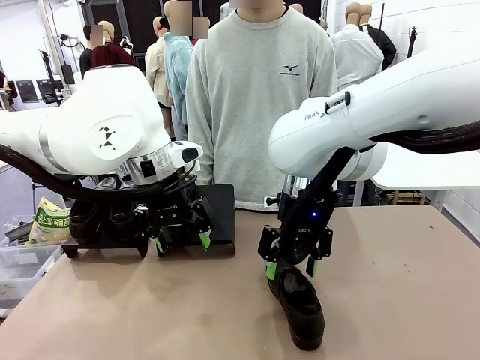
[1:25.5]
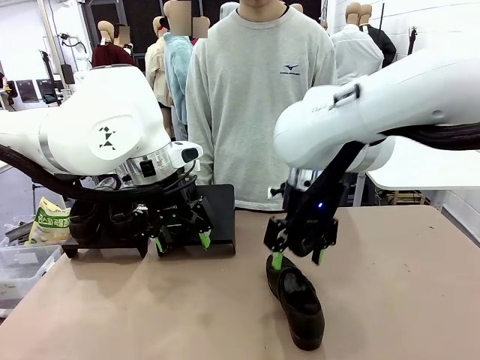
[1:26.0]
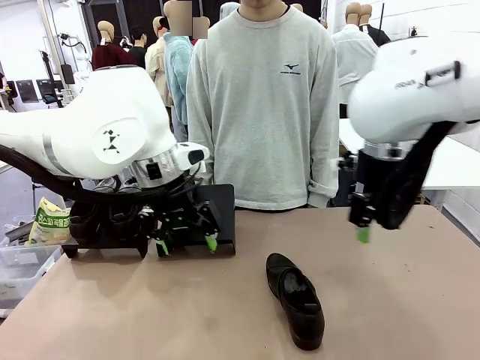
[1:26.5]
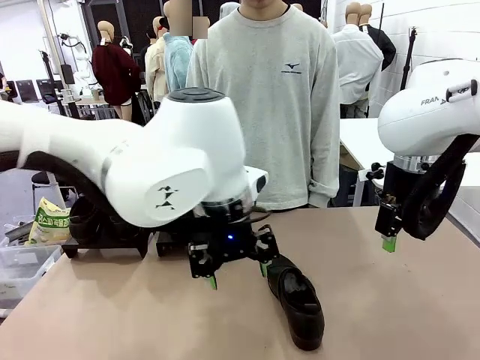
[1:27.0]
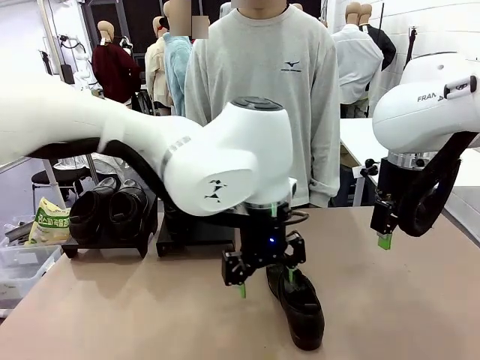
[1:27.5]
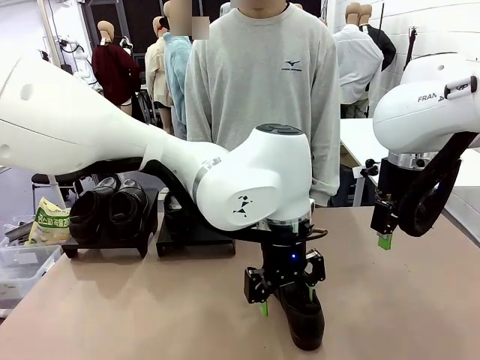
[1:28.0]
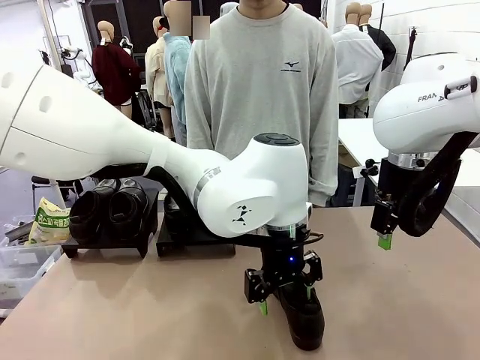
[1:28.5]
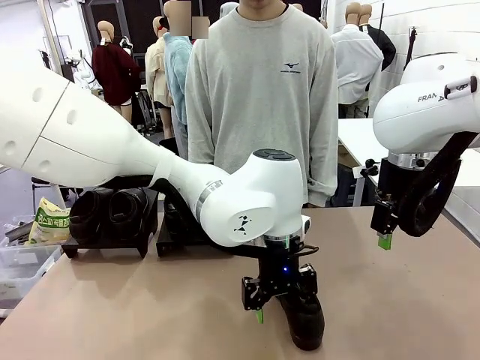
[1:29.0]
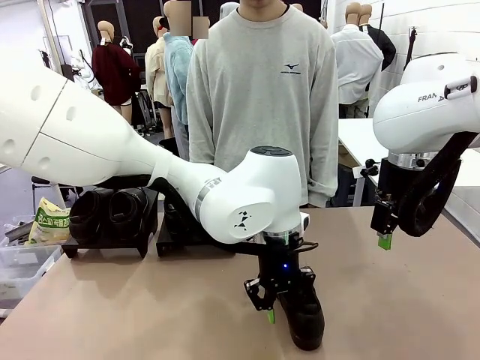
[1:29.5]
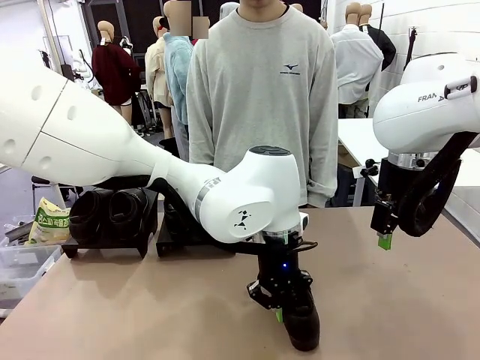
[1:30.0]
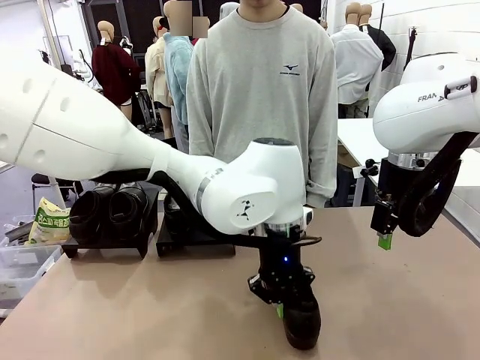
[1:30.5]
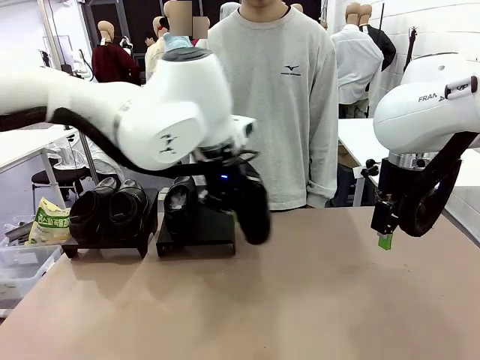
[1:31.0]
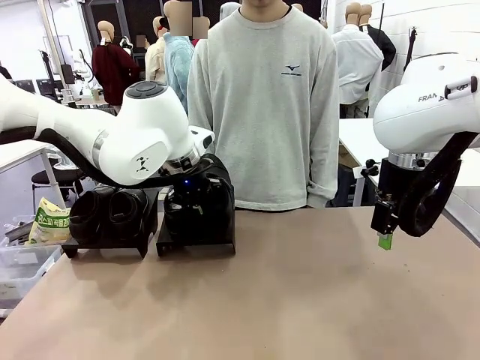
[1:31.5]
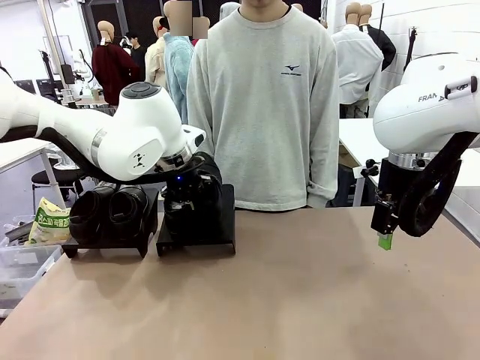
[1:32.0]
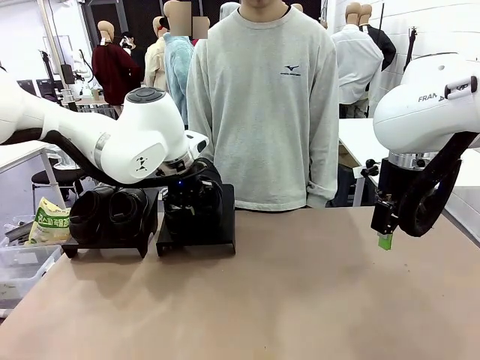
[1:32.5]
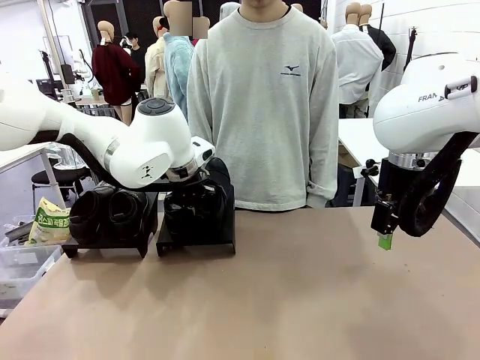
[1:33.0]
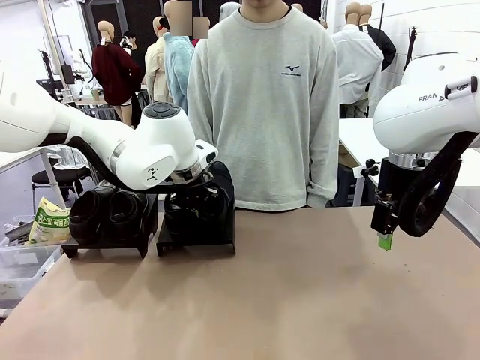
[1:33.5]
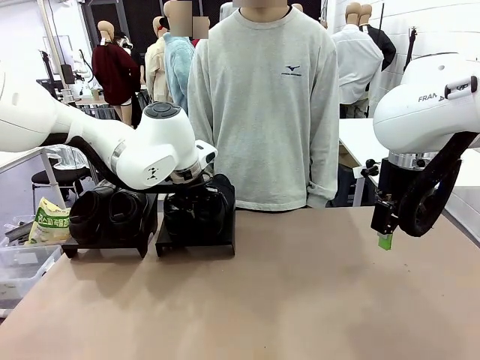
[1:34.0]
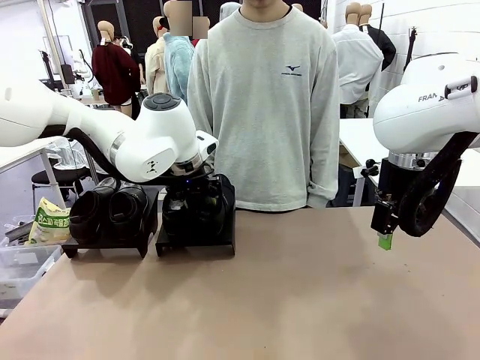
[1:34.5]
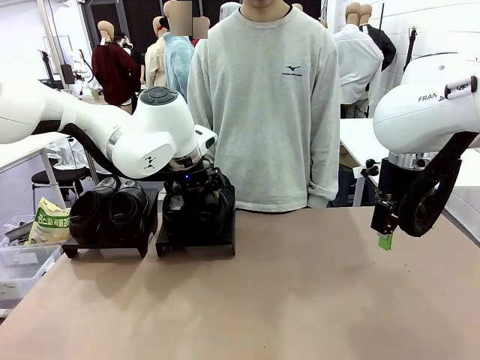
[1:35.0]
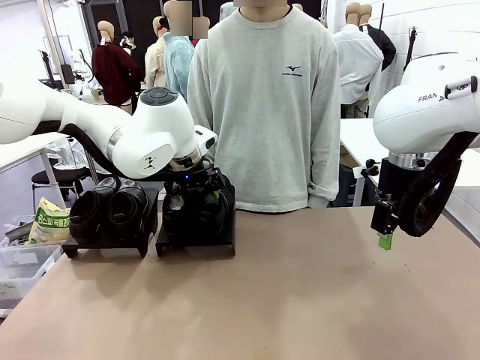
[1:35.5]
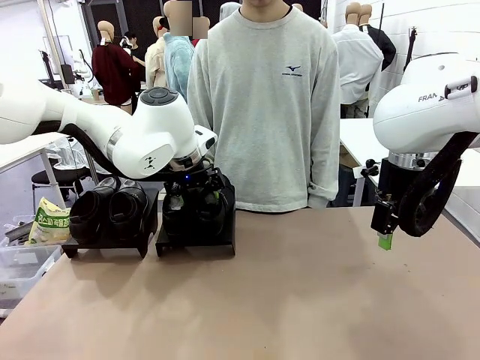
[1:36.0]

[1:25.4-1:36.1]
Task: Organize the shoes by placing them on the stand.
Robot: Place the Shoe from the middle of the table onto the Shoes Stand.

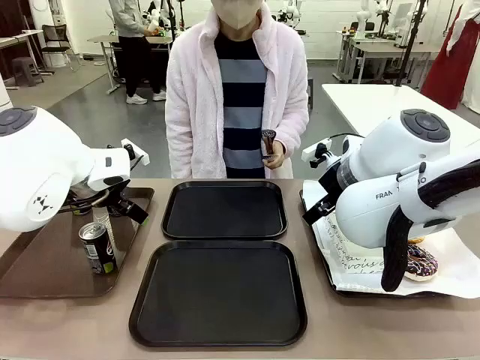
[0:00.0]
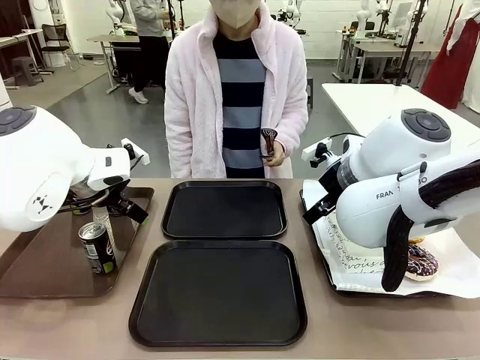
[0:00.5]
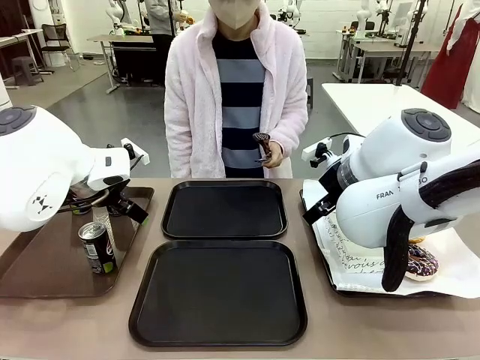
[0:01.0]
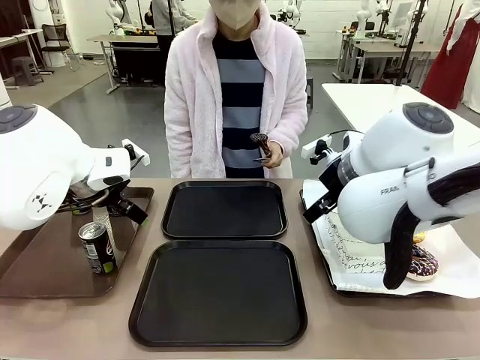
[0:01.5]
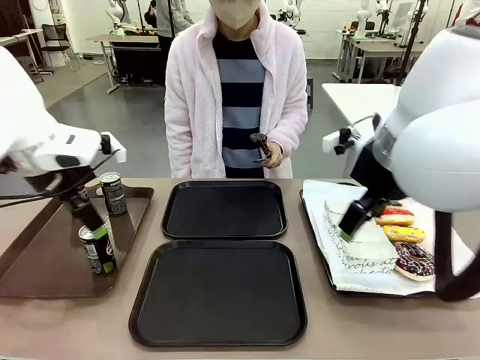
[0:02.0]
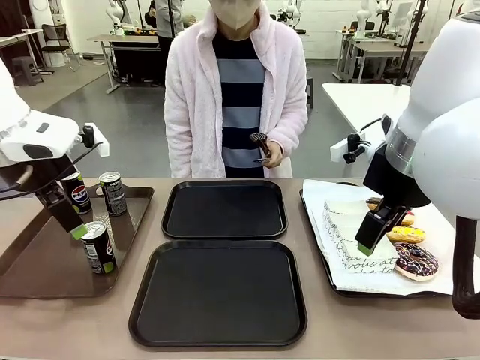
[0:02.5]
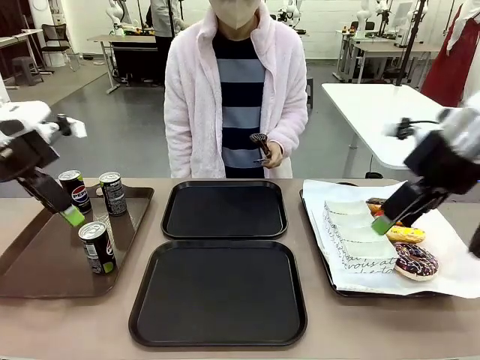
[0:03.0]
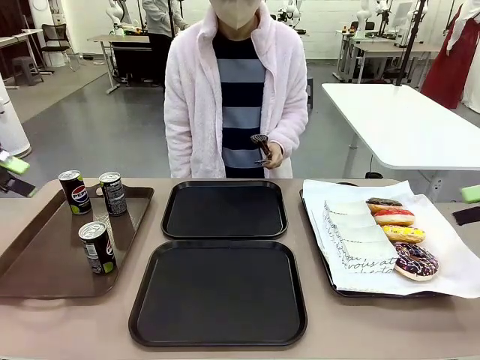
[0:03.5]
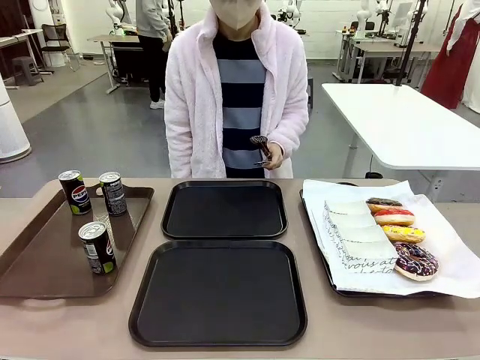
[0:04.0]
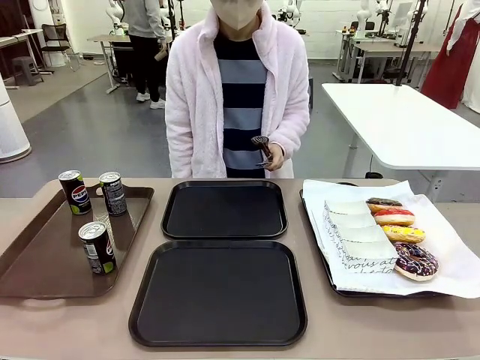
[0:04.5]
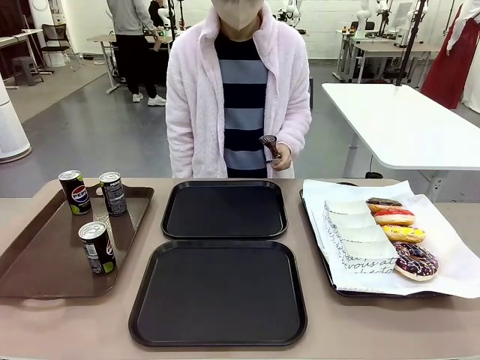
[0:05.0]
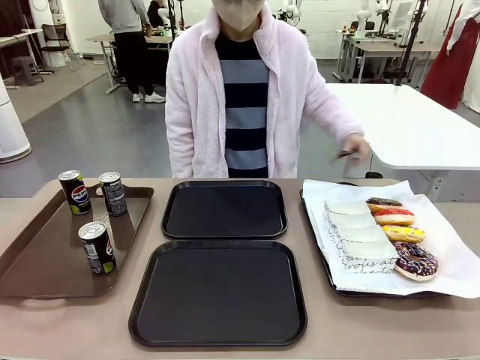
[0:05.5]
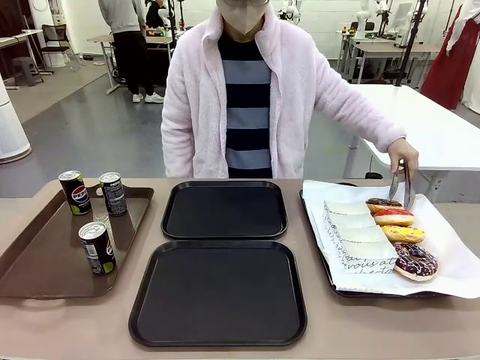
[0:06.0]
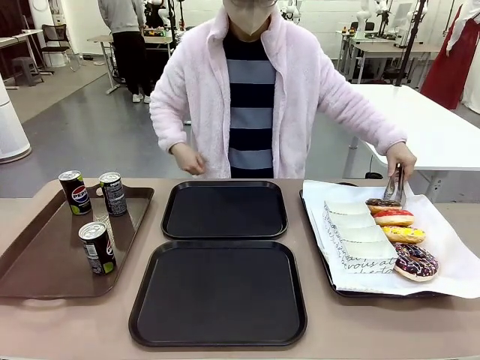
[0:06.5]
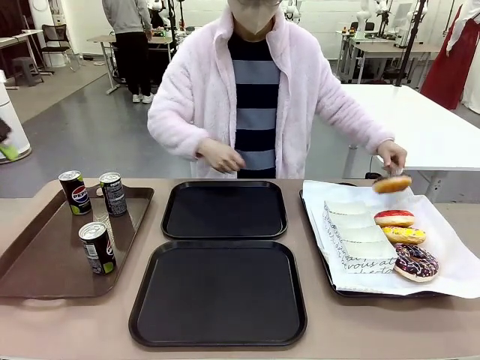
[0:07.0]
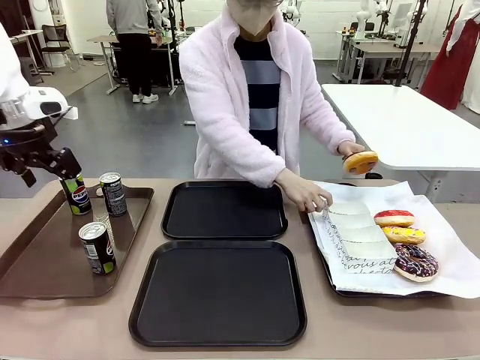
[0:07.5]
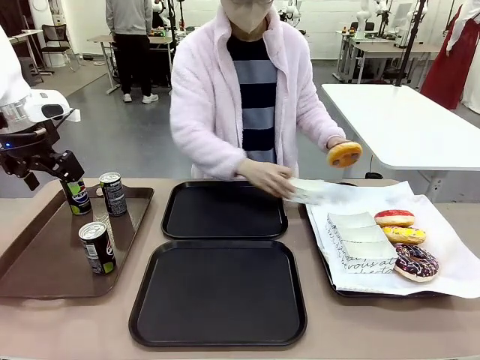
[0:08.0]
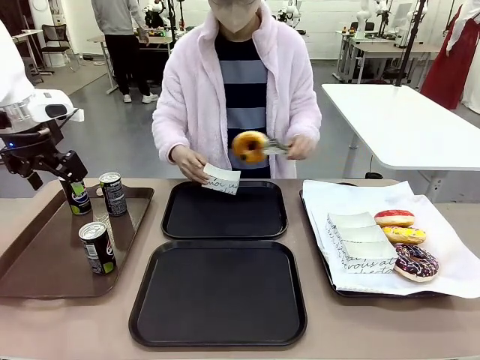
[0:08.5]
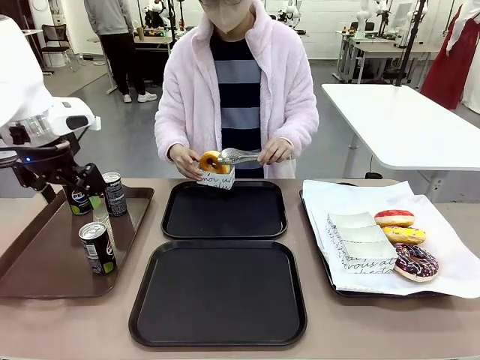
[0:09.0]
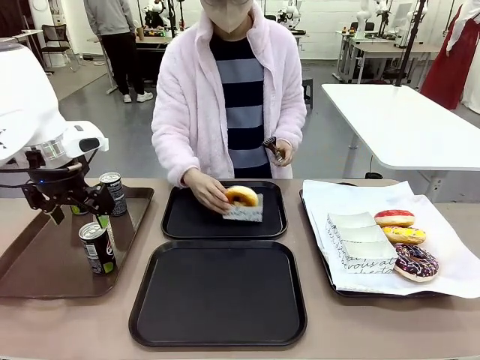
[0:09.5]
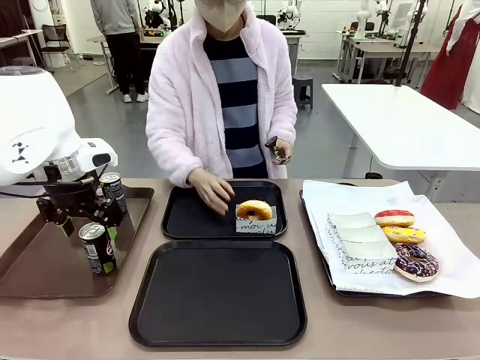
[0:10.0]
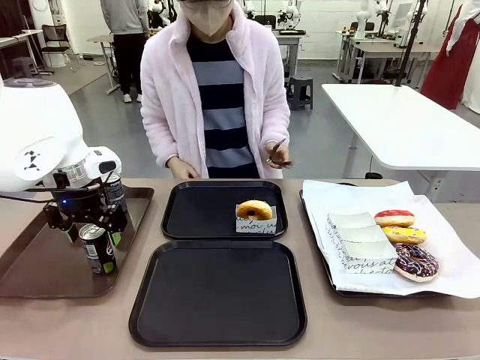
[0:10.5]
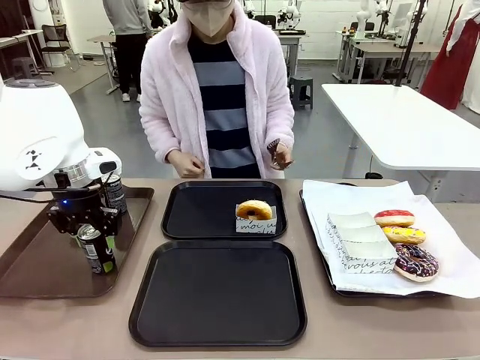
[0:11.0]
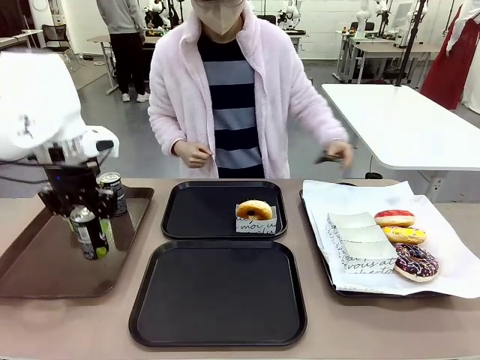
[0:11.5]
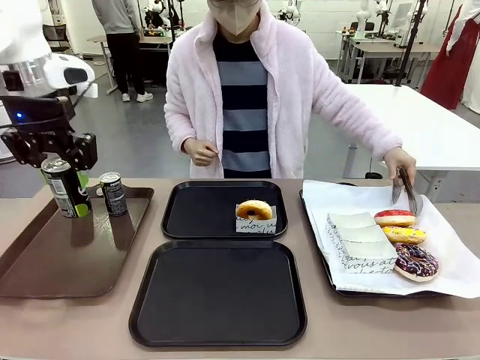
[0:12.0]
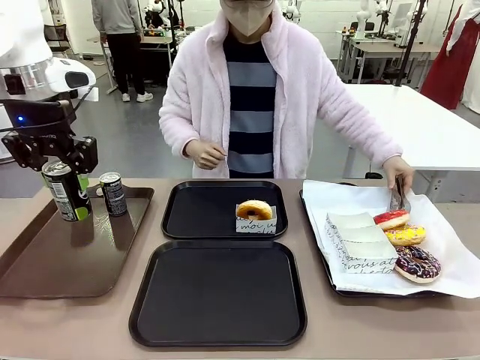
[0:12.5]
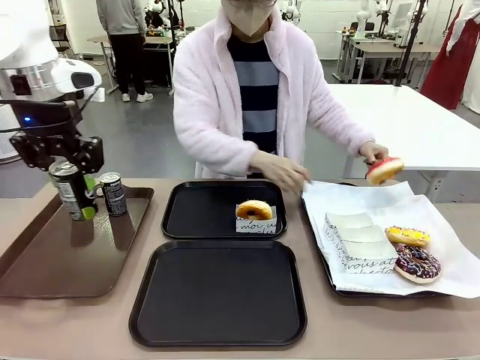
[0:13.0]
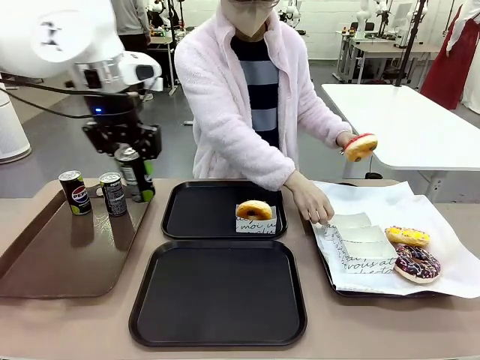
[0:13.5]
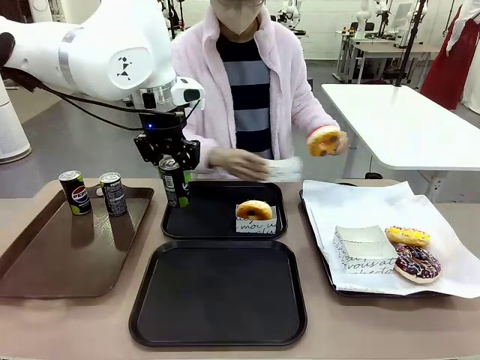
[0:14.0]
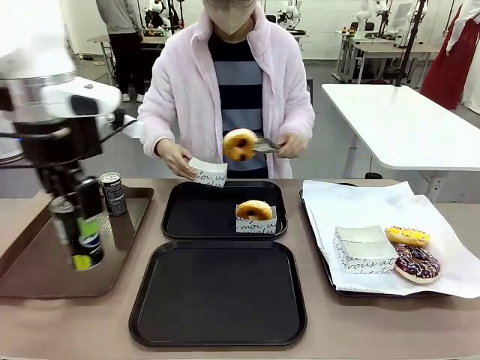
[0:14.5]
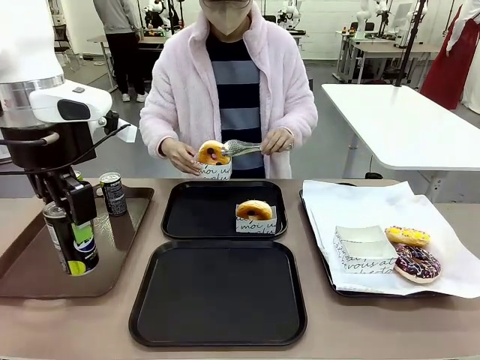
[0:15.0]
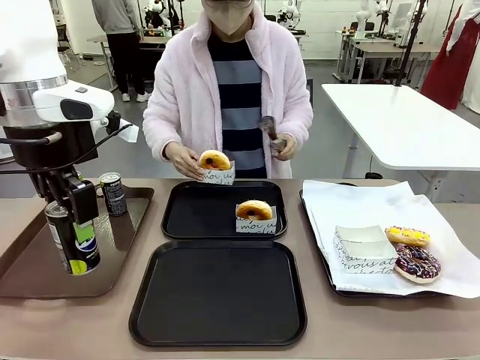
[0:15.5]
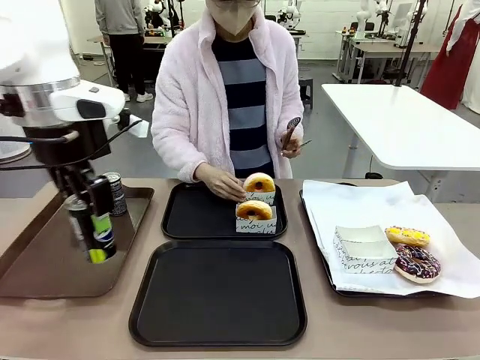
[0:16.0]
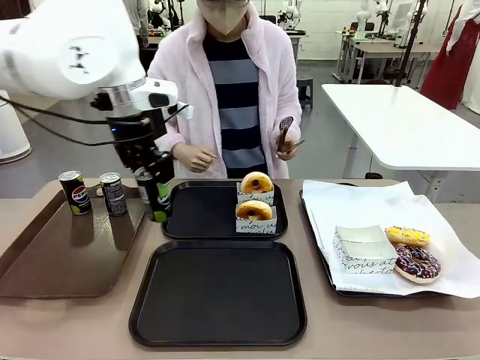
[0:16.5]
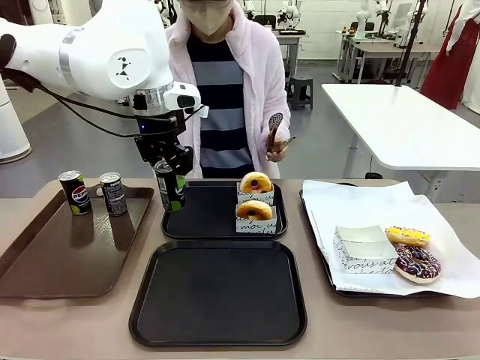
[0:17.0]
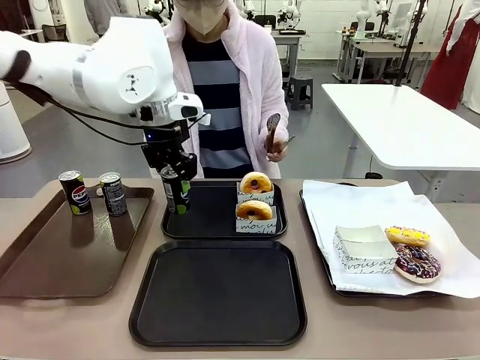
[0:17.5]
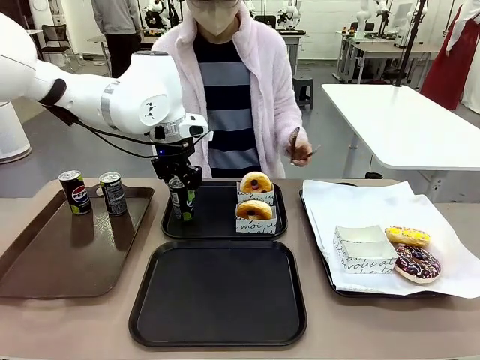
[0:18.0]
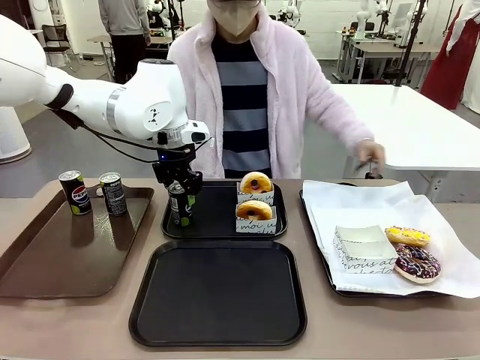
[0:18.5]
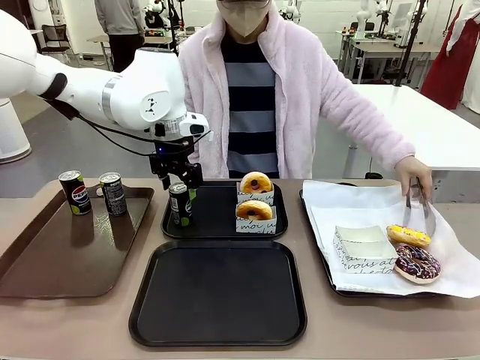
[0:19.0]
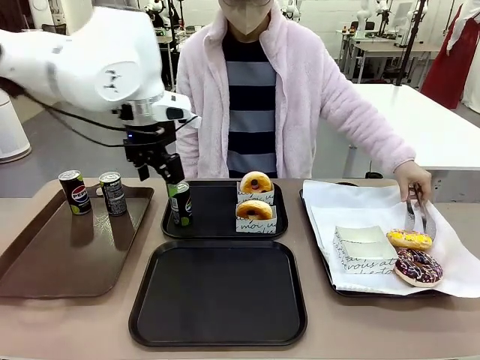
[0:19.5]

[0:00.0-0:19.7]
Task: Set up donuts and drinks on trays.
Robot: Pick up one Pepsi coke and place it on the Flat Tray.
Person: Pick up one donut with tongs, place it in the donut tray, and then place the donut tray on the flat tray.
